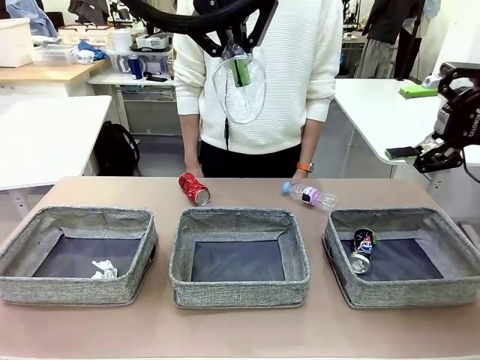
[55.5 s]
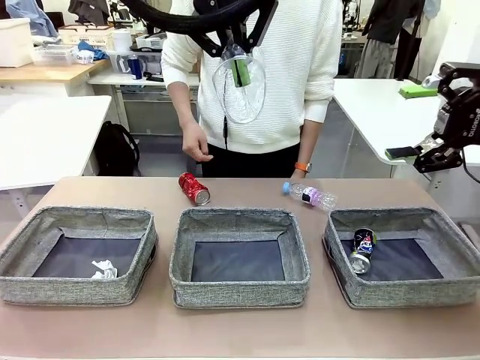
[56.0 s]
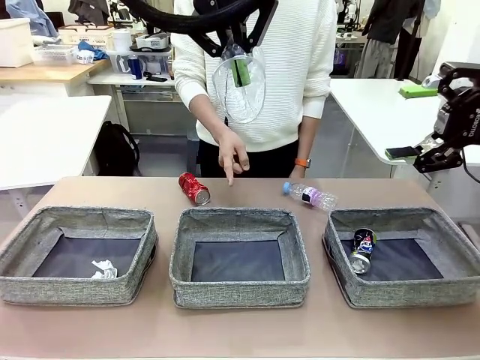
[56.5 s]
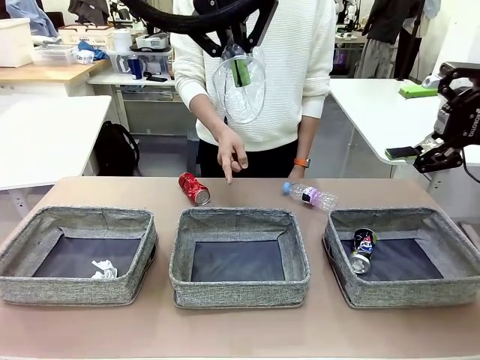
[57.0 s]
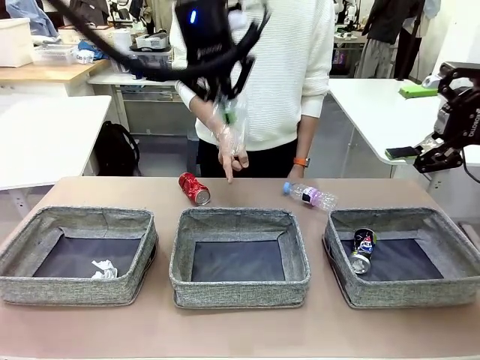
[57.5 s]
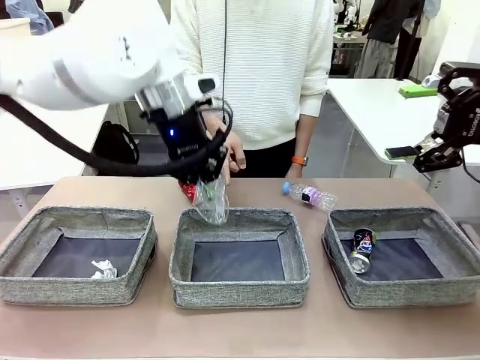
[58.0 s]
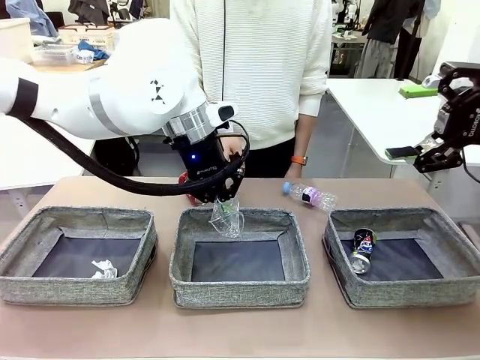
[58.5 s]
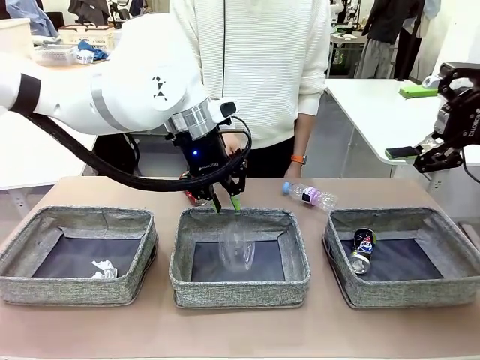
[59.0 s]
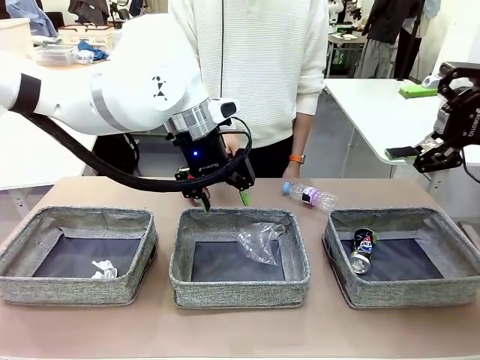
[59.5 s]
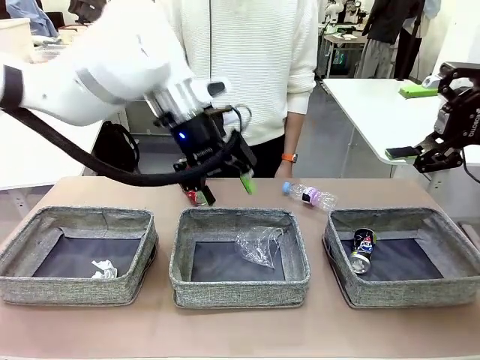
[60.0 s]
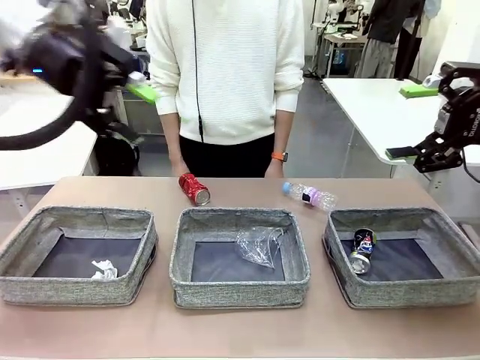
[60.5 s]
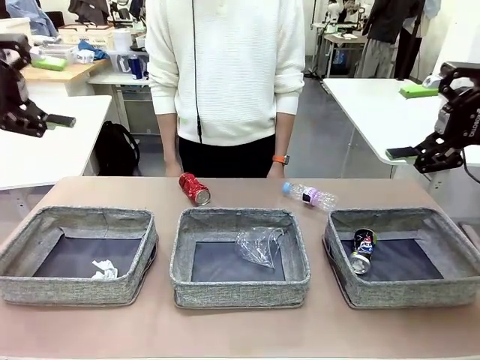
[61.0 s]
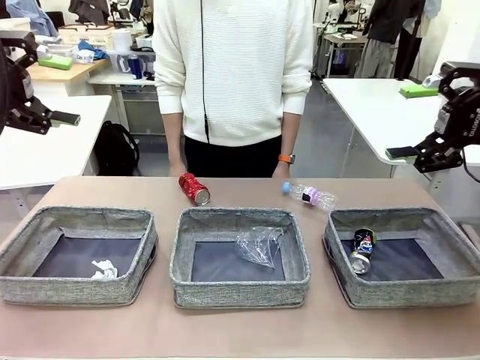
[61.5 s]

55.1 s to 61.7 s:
Task: Sort the waste into the appropriate baskets.
Robot: Place the picked waste into the Fabric basket indicated by the person.
Person: Instructs the robot to place the picked-up trash into the appropriate organizing basket.

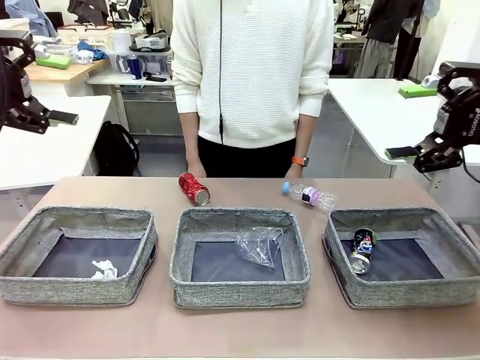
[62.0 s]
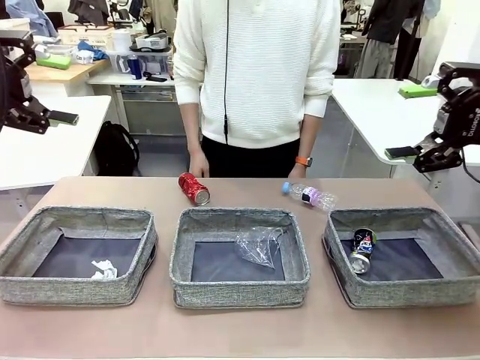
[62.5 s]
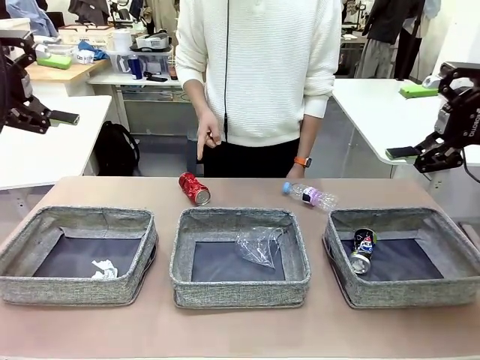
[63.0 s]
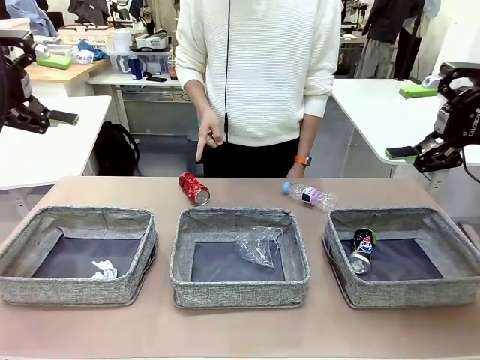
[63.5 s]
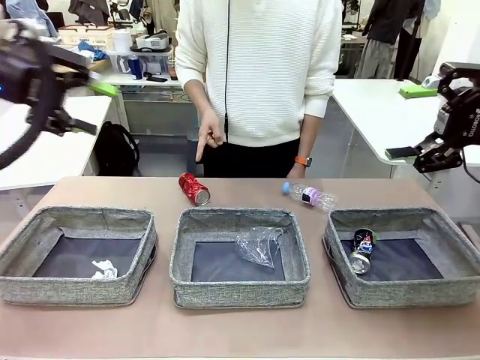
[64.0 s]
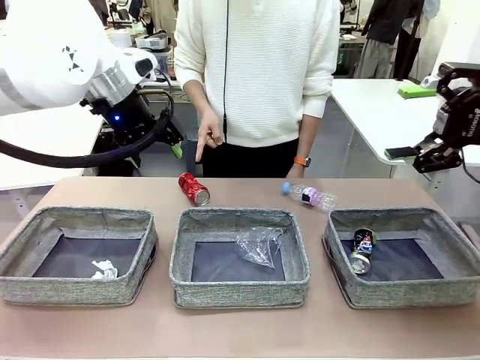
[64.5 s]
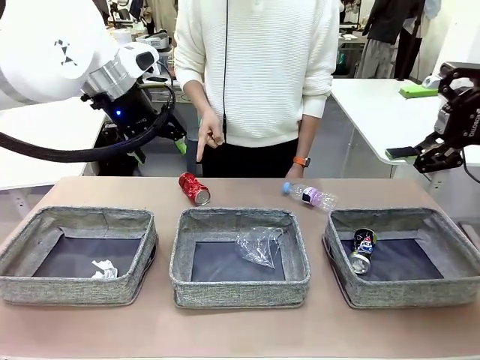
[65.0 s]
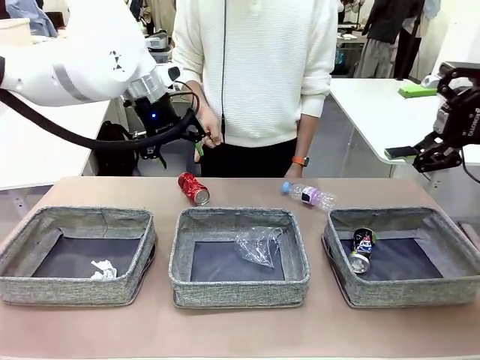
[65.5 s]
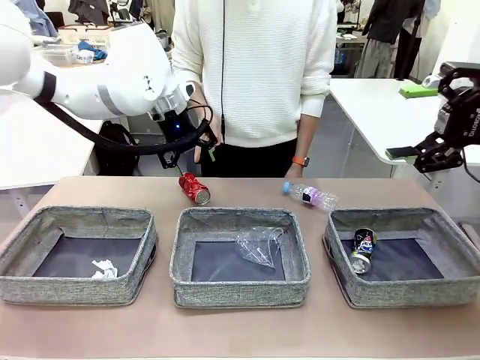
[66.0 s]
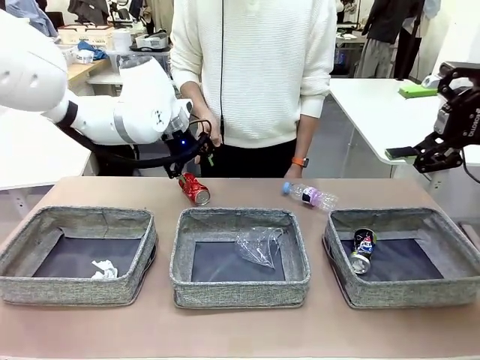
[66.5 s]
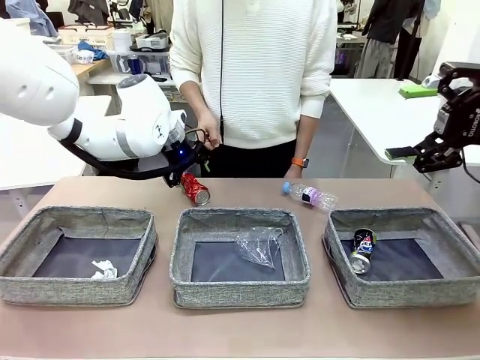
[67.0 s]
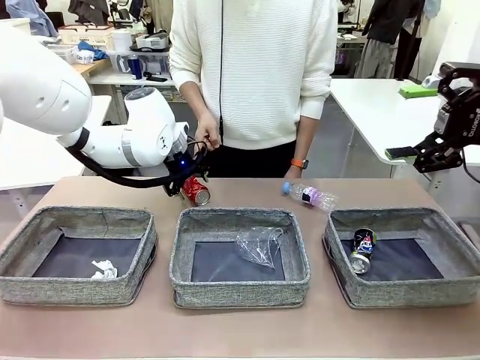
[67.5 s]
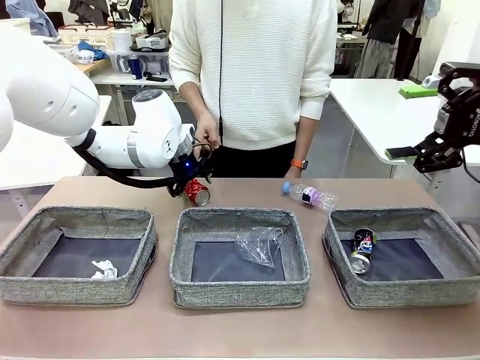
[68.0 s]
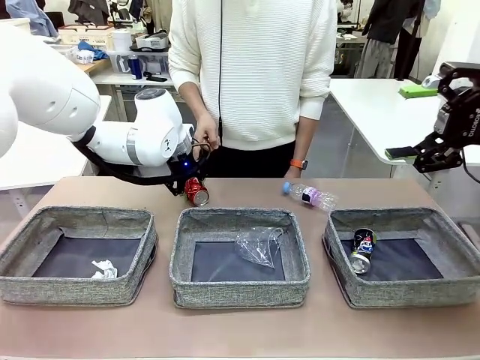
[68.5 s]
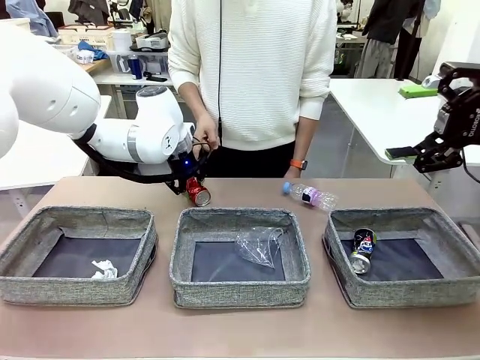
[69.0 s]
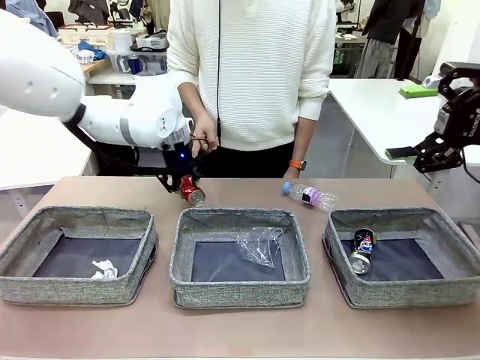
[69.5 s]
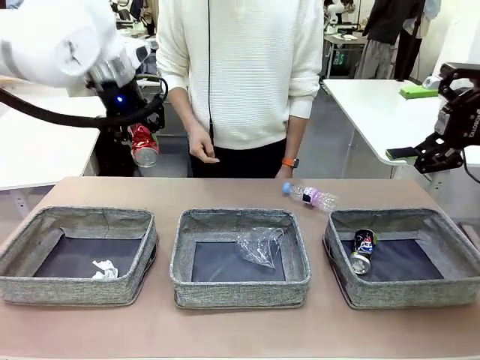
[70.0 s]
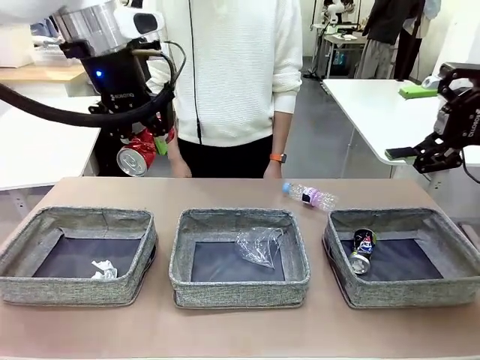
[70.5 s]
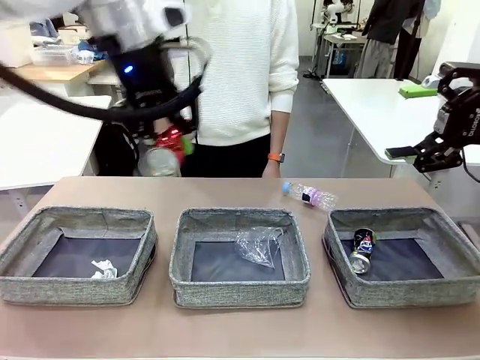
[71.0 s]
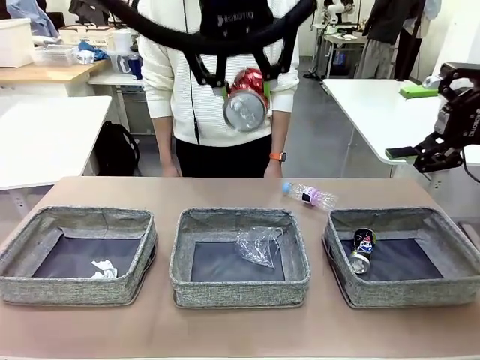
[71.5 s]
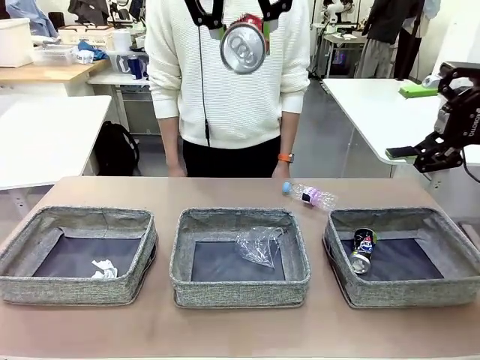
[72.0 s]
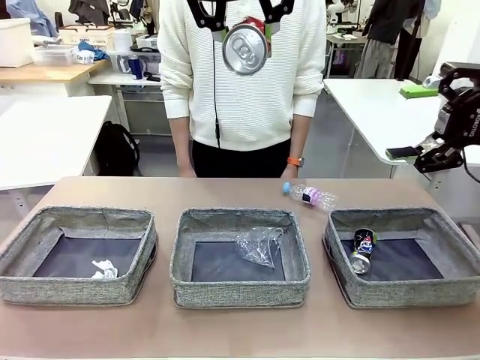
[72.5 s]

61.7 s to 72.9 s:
Robot: Pick up the waste item pointed out by the person.
Person: Points to one piece of trash on the table.

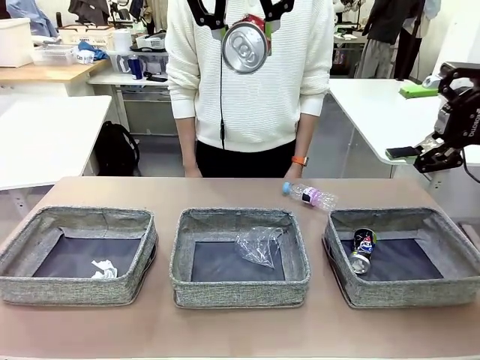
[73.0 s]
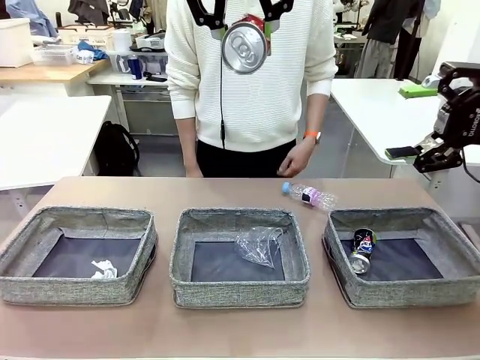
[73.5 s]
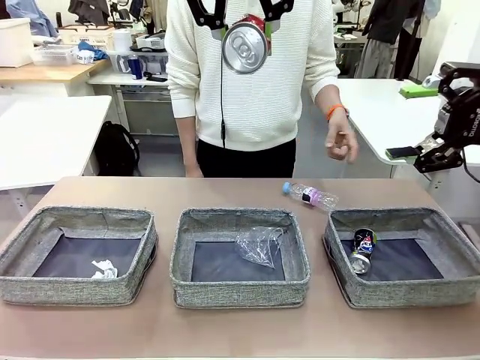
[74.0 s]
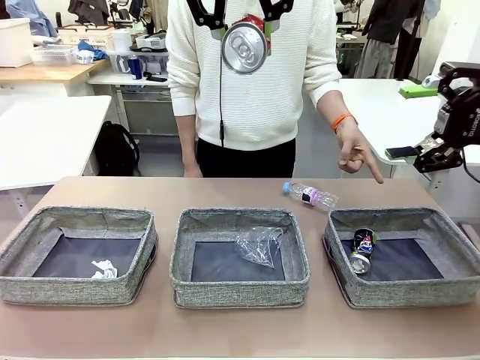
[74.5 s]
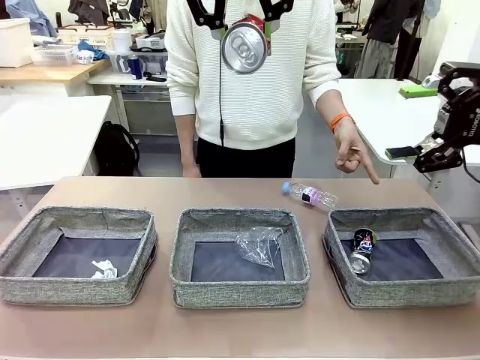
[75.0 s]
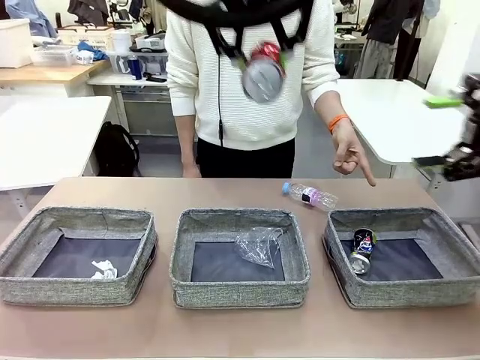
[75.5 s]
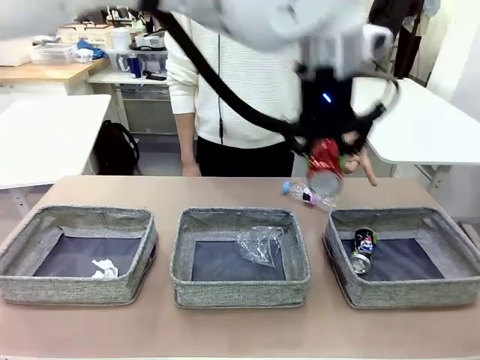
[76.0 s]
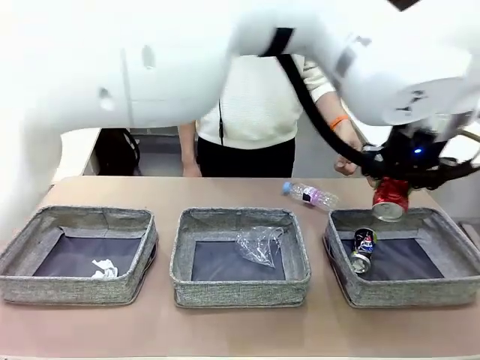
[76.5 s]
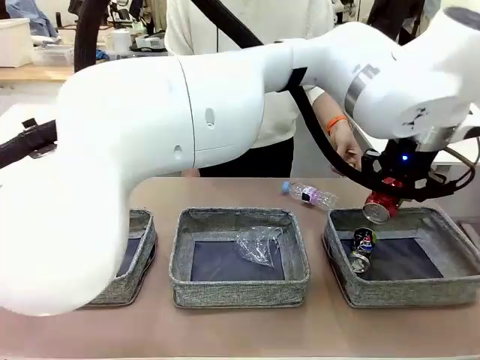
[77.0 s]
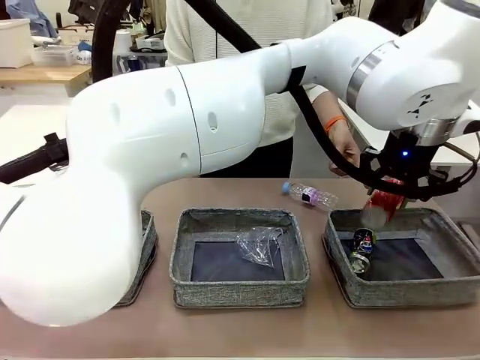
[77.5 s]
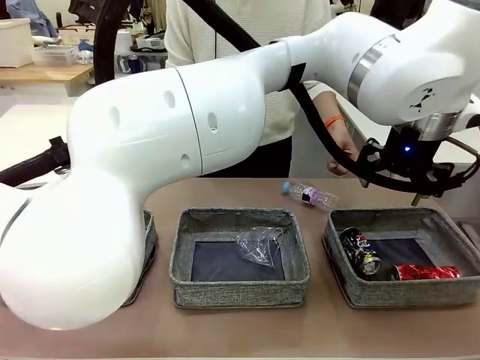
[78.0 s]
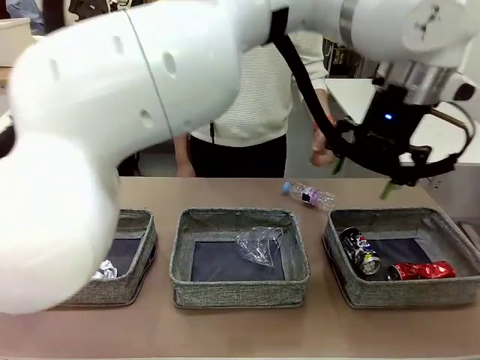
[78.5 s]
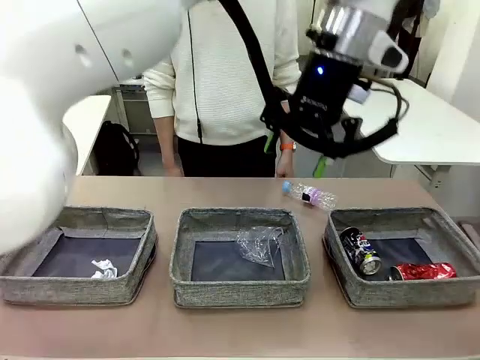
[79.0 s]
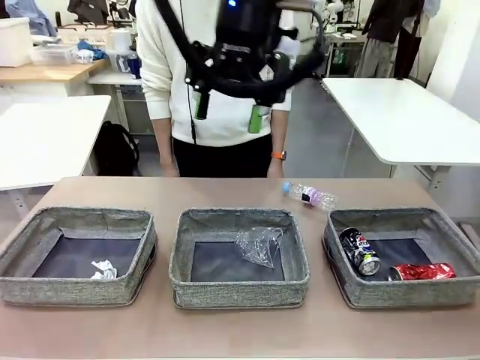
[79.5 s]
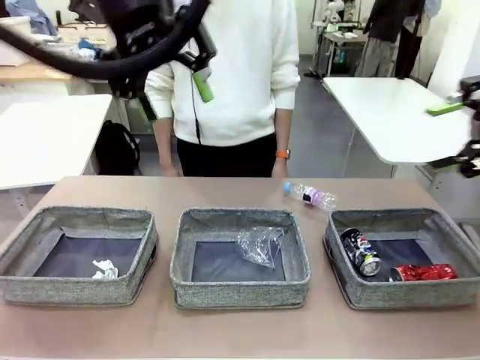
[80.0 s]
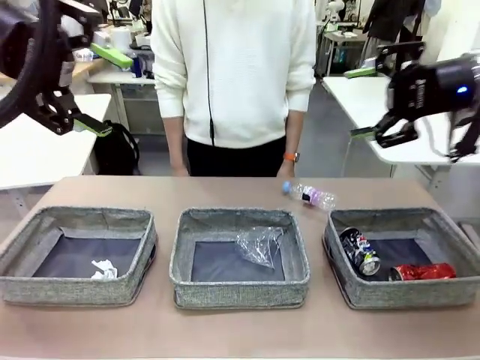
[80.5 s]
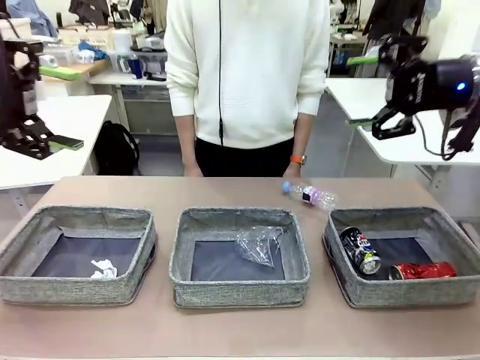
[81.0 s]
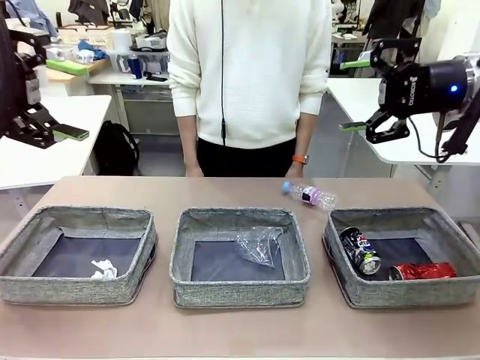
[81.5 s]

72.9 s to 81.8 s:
Robot: Place the picked waste into the Fabric basket indicated by the person.
Person: Instructs the robot to place the picked-up trash into the appropriate organizing basket.
